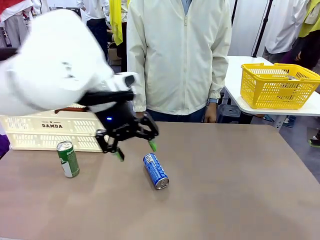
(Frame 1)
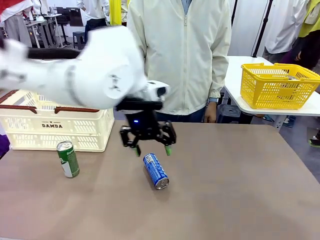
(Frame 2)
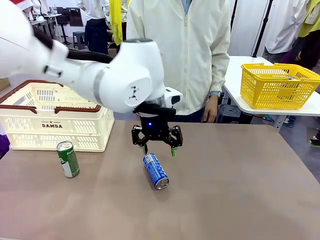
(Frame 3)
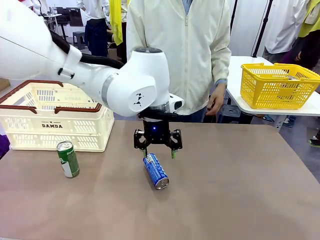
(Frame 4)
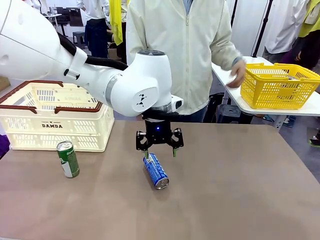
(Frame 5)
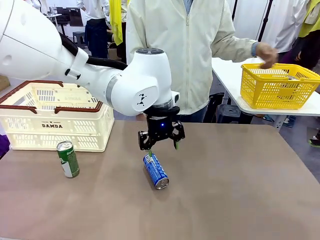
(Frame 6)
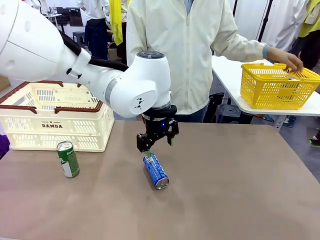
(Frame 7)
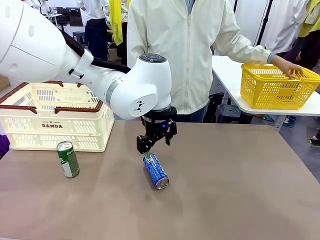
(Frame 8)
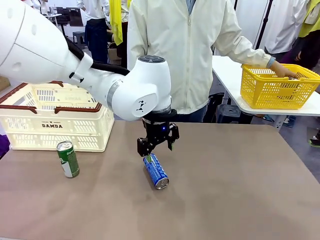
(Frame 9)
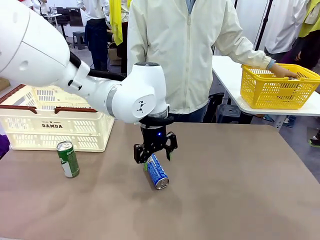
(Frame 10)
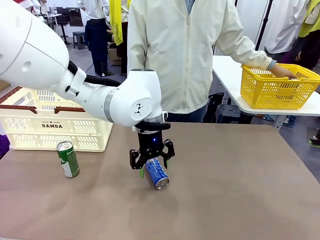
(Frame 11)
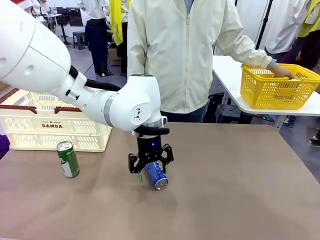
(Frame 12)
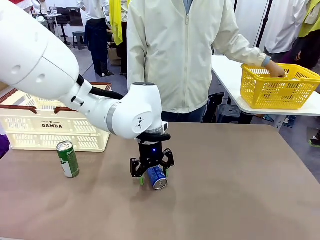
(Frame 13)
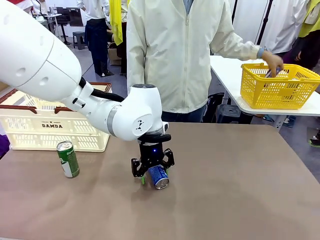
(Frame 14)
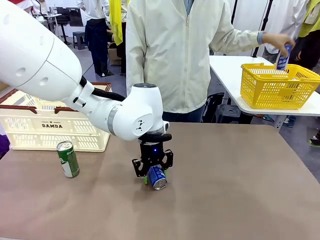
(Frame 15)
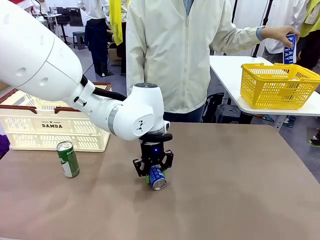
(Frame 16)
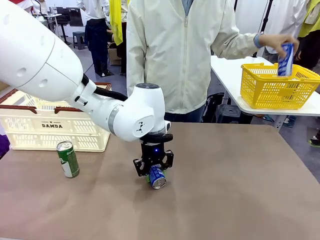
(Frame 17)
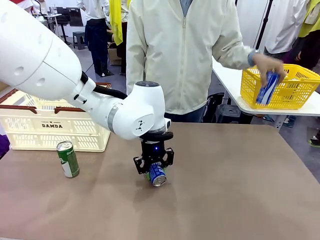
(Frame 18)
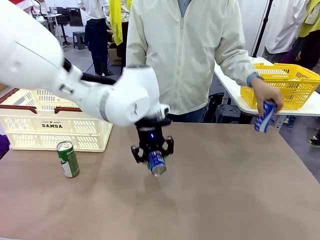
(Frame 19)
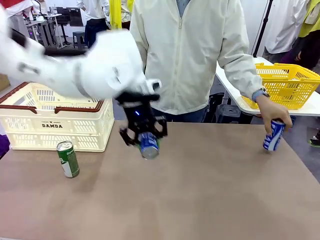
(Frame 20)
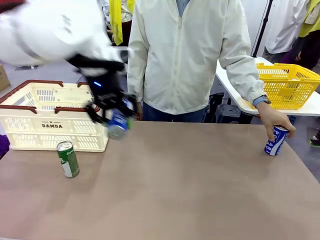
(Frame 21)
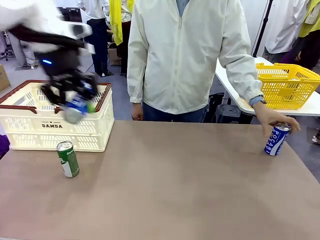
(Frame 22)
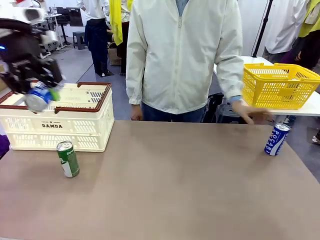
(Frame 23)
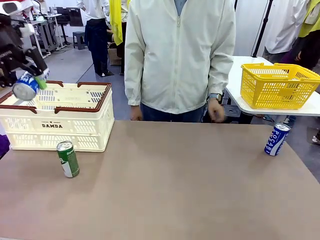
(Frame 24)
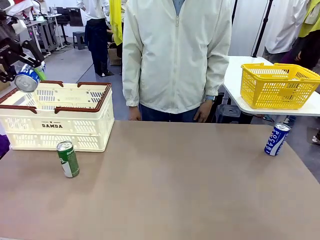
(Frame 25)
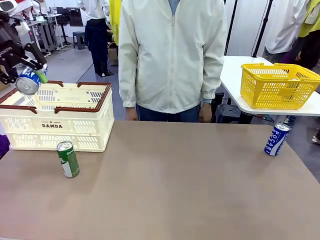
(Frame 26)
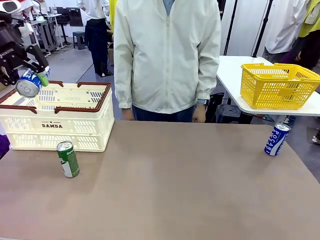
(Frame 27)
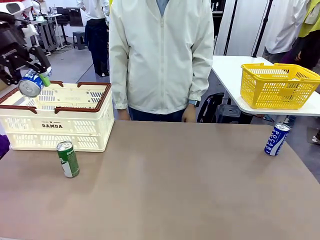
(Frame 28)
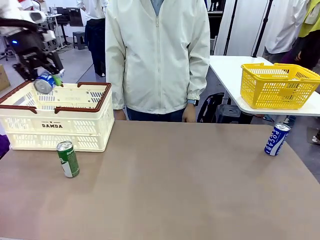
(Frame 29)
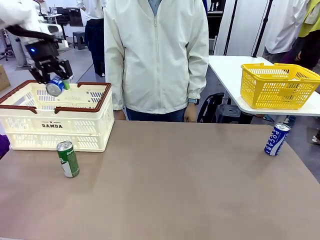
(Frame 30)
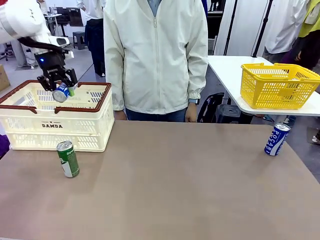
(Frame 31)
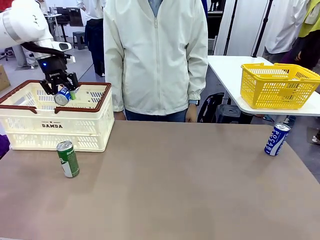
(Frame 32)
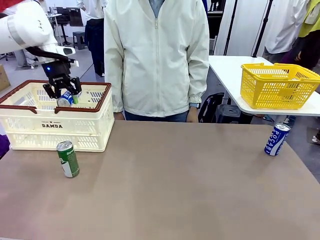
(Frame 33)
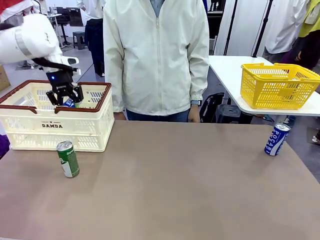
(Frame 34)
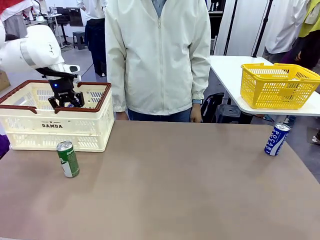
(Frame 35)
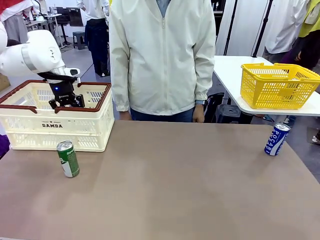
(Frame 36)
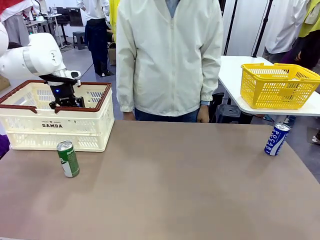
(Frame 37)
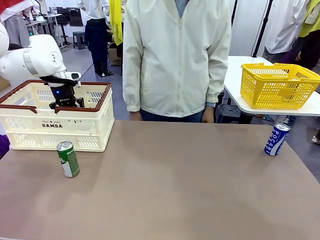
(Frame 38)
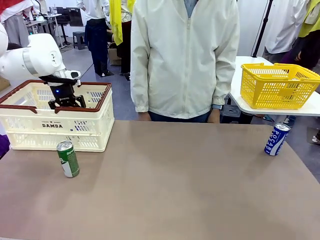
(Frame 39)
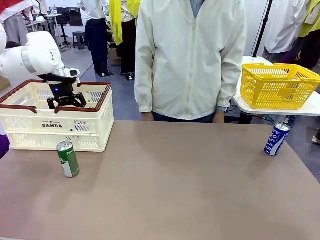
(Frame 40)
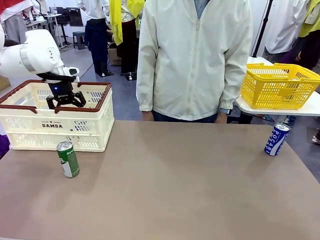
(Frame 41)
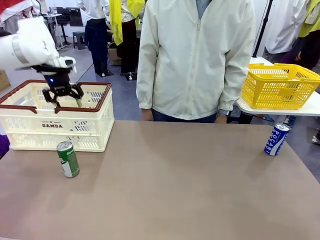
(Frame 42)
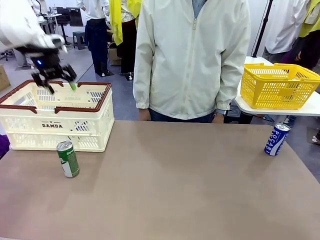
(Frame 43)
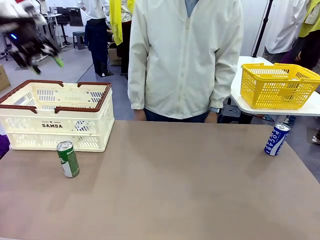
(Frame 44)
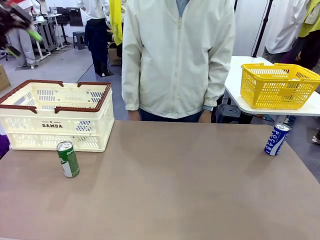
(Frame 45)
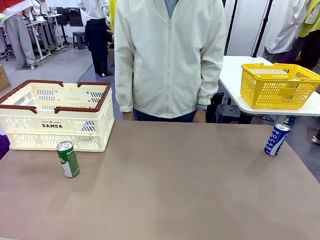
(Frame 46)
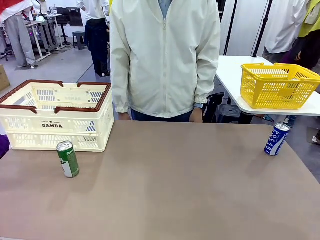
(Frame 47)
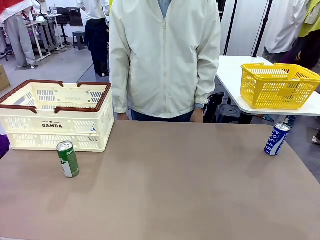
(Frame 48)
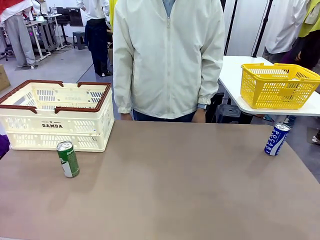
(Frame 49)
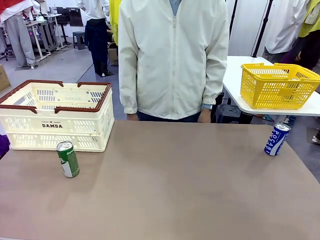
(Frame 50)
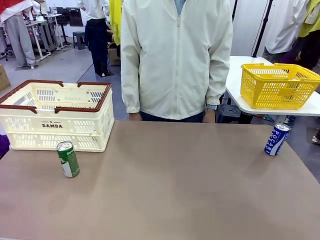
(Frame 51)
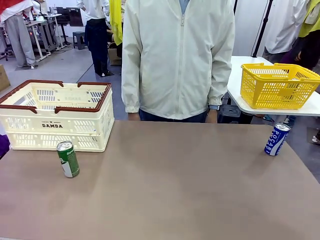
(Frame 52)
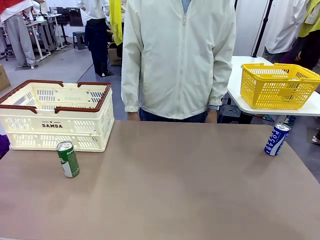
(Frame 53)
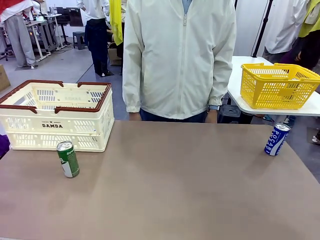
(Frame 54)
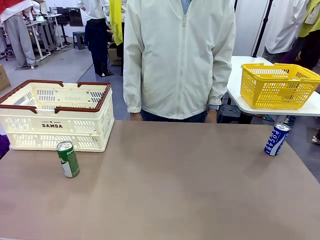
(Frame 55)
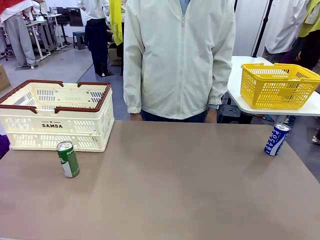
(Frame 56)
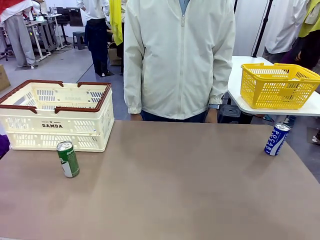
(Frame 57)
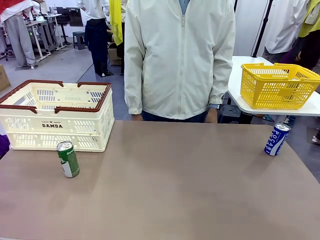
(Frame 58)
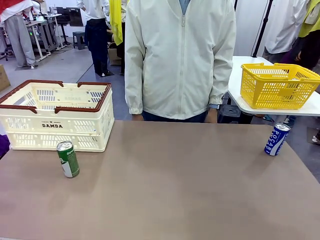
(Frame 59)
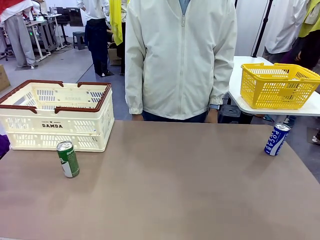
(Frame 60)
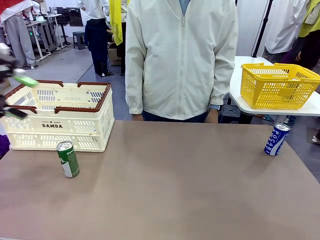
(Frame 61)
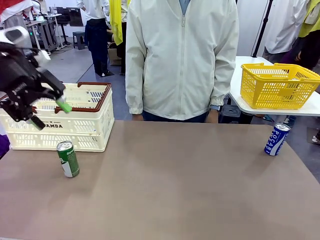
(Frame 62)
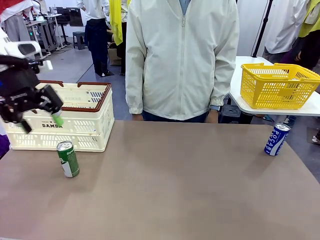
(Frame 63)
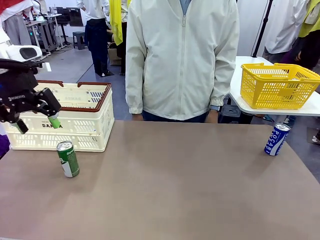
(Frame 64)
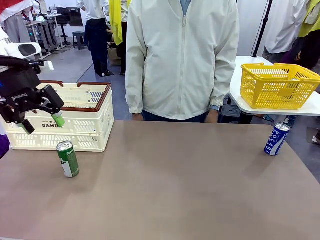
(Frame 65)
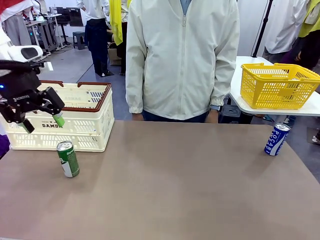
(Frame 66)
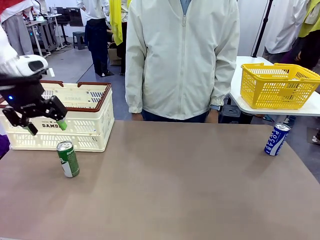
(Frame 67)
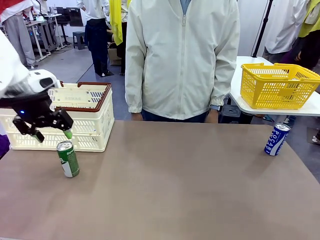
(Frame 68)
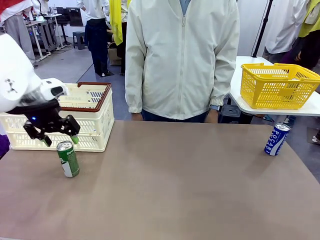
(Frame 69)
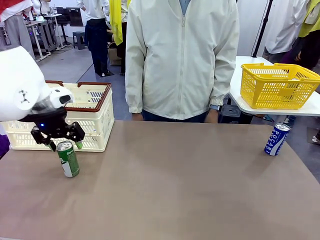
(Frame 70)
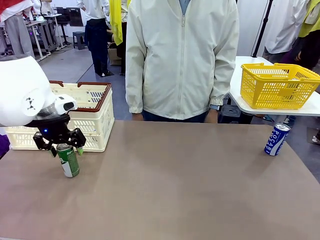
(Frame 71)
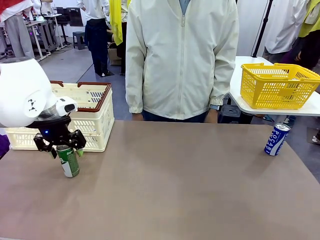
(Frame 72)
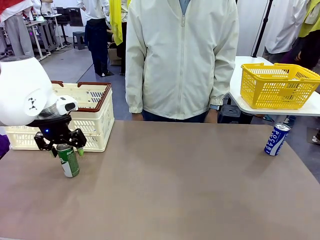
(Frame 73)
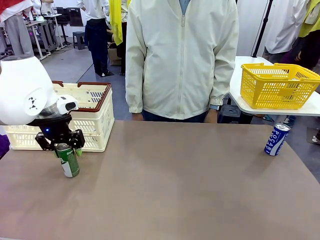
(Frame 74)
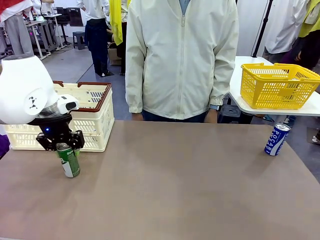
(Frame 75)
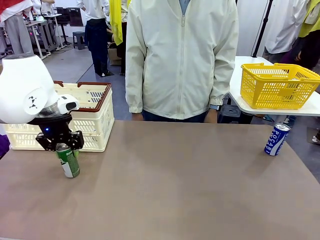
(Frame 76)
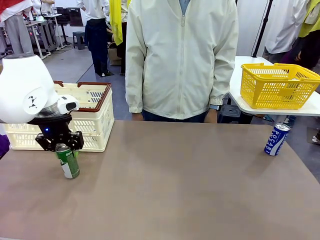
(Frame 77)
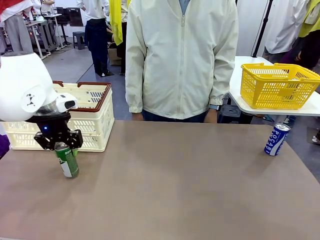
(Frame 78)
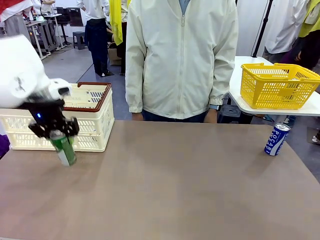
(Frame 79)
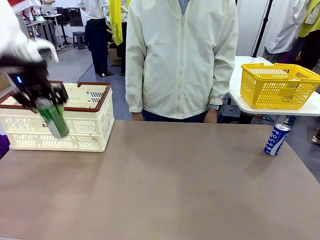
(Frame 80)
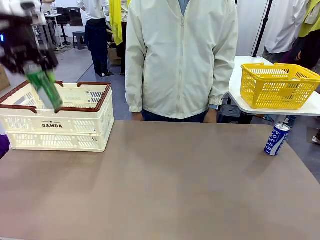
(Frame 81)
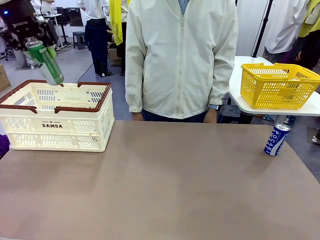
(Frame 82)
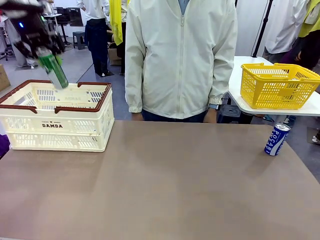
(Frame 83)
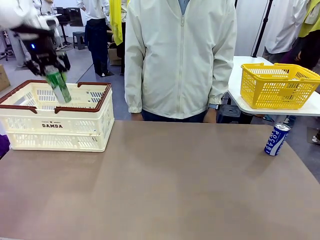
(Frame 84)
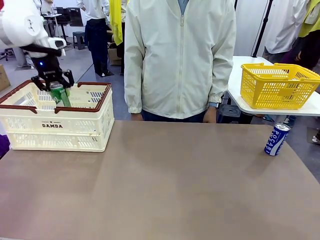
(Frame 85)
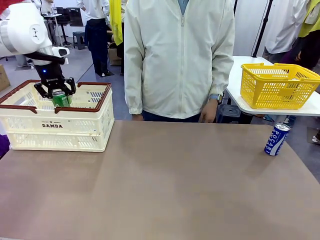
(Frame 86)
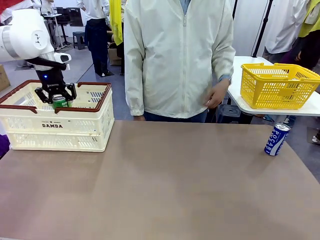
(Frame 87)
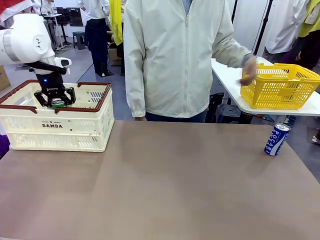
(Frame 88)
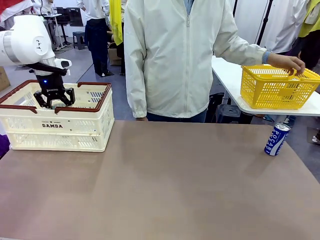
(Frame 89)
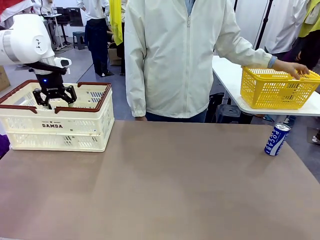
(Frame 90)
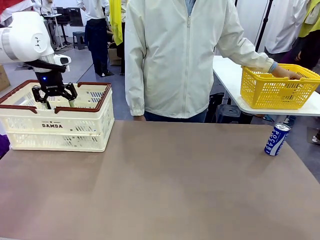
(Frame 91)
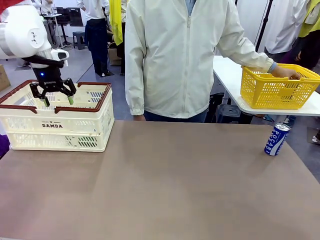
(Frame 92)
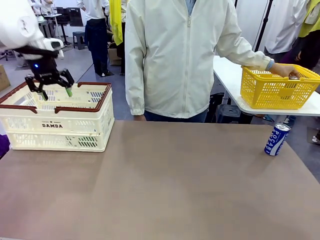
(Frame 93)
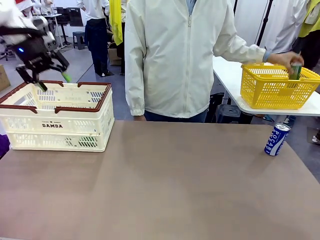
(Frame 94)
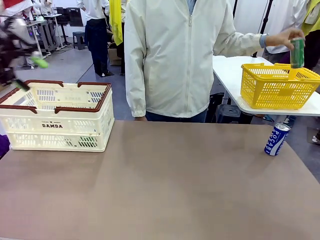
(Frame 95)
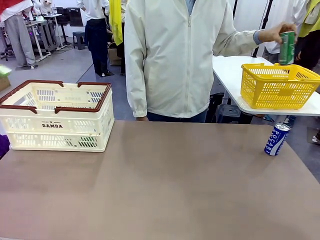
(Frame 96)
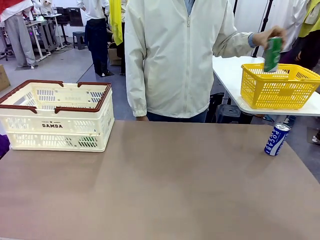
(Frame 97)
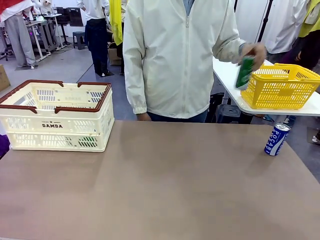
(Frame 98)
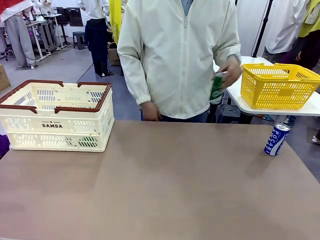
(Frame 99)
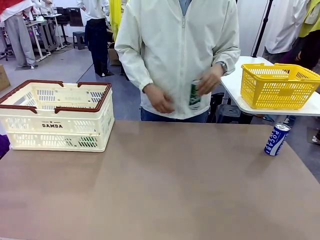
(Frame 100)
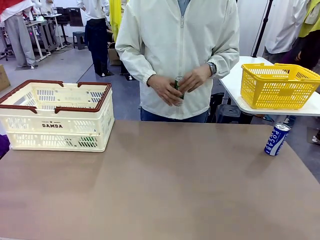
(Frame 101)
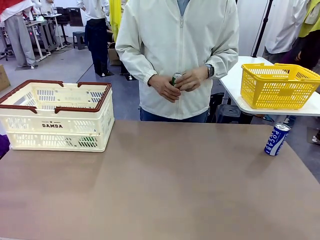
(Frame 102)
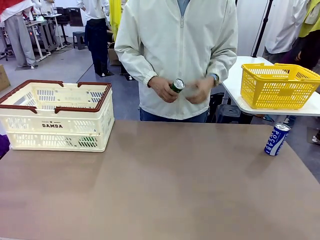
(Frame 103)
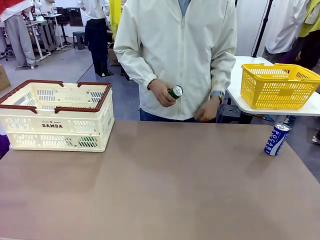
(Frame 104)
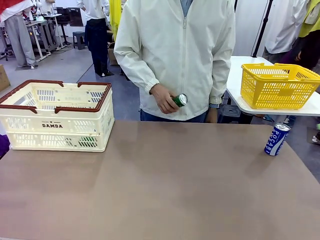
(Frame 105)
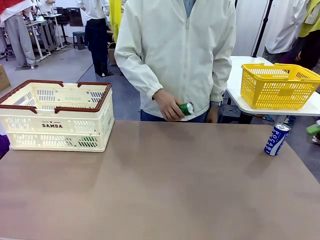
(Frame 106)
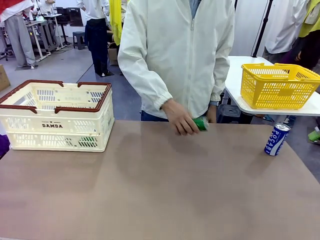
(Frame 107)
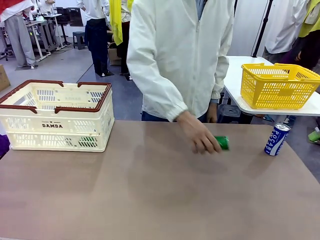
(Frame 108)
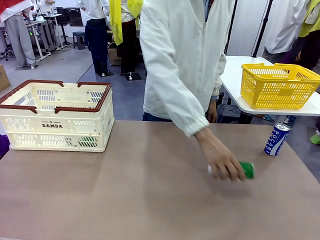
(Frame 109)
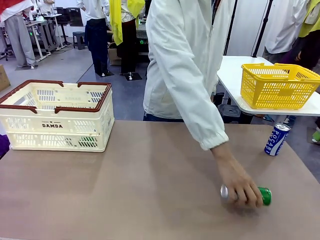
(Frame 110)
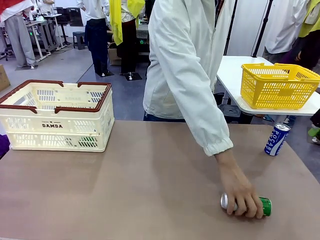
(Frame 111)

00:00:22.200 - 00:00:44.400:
Task: Place the drinks into the Shopping basket.
Robot: Pick up one drink and place it into the Shopping basket.
